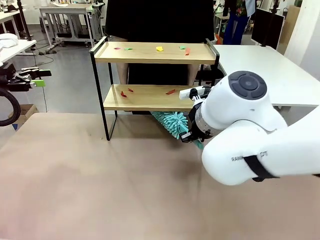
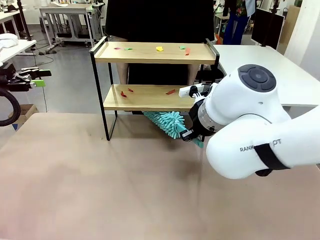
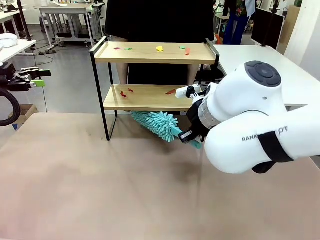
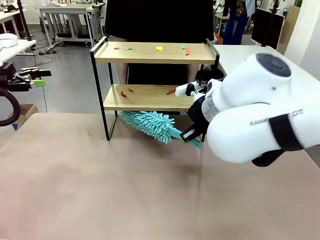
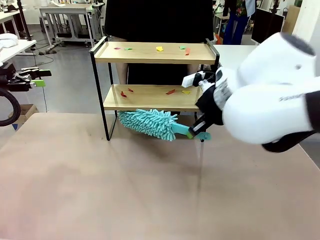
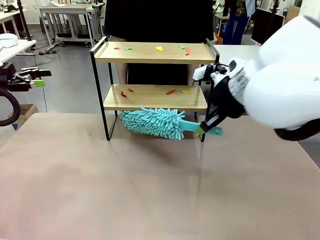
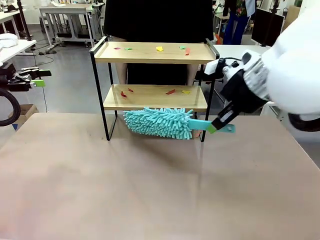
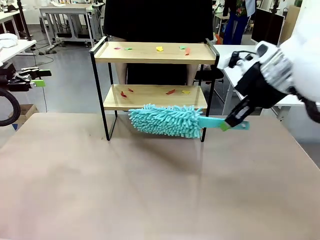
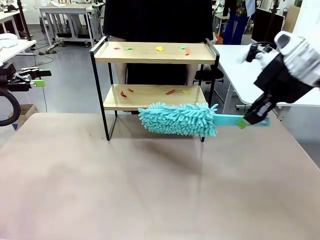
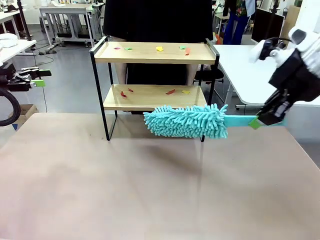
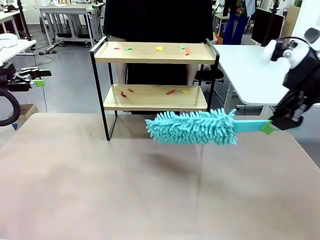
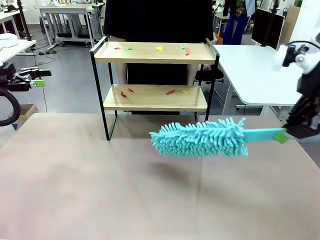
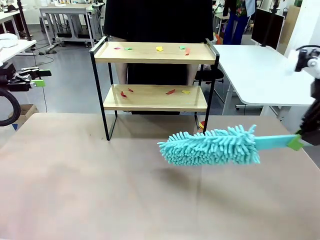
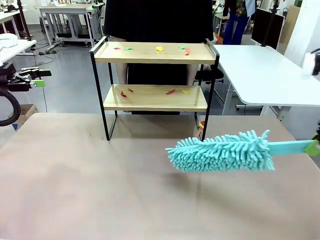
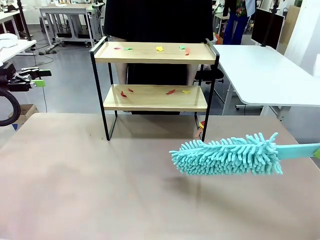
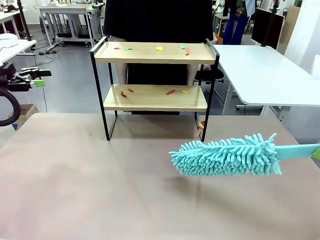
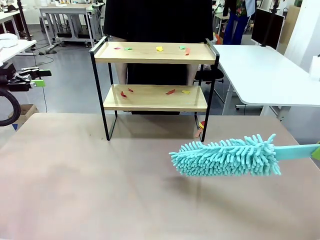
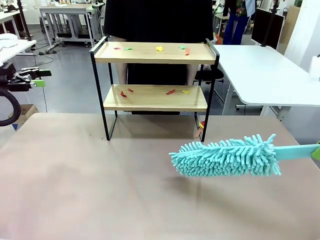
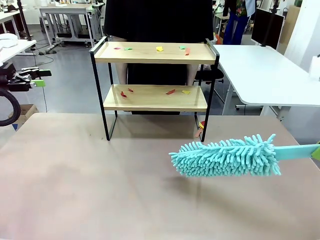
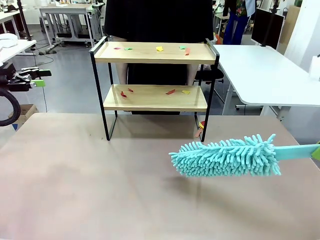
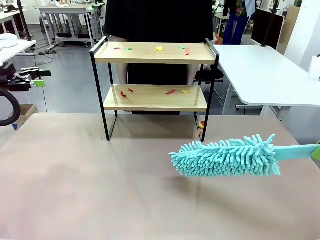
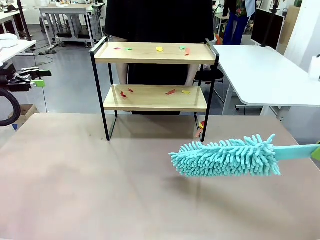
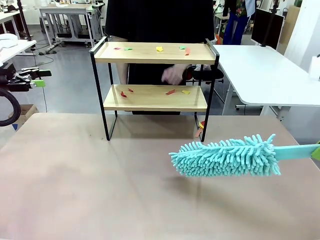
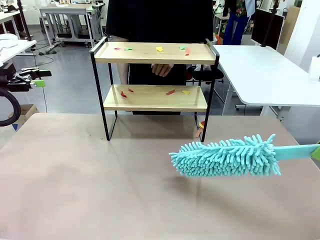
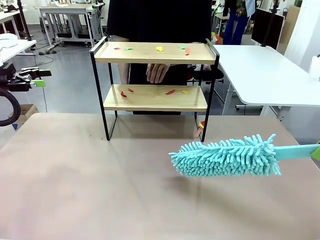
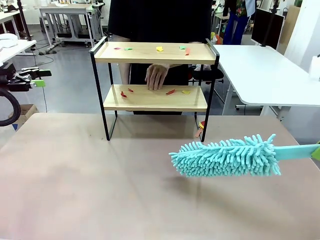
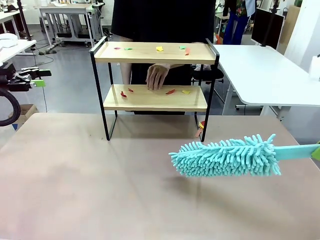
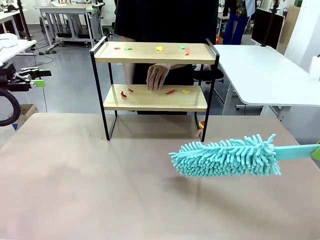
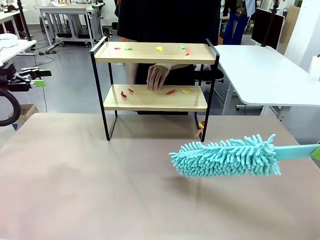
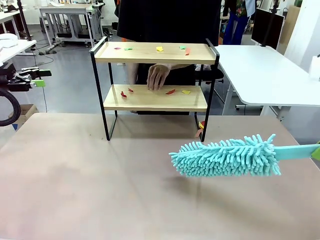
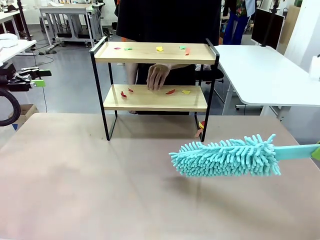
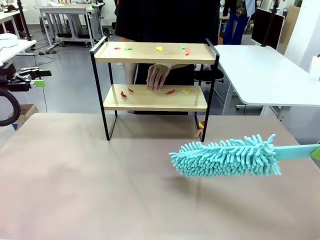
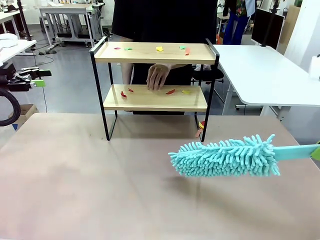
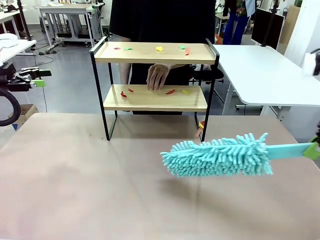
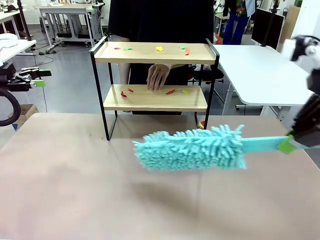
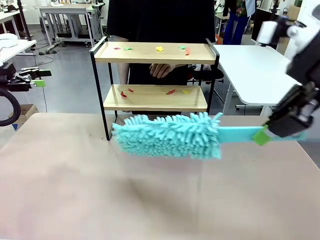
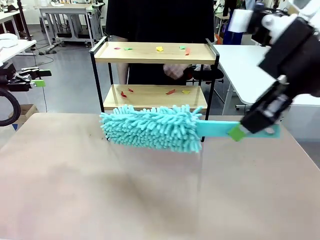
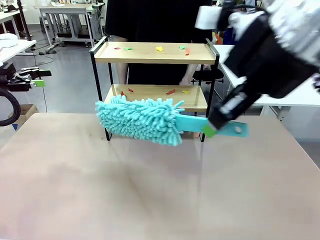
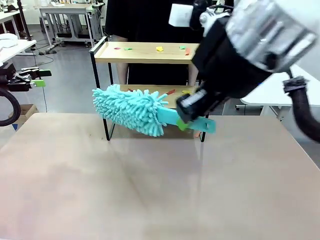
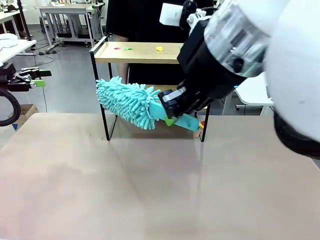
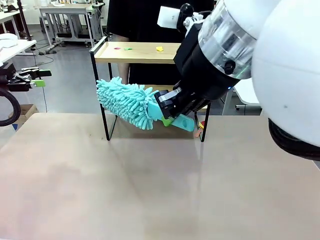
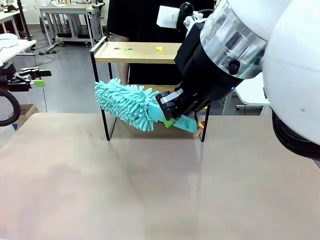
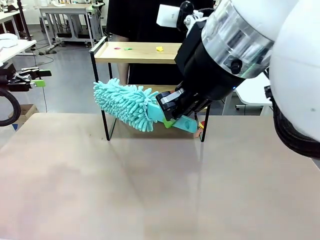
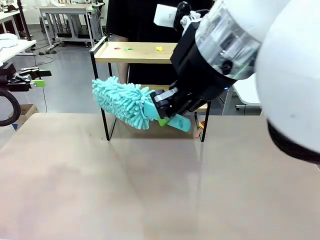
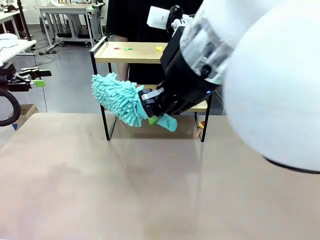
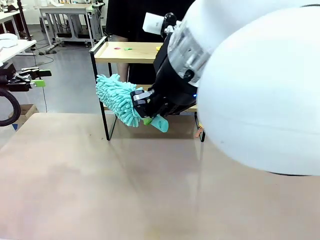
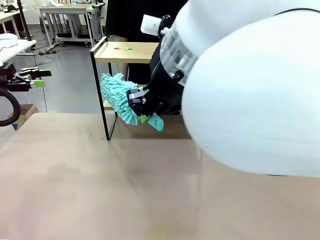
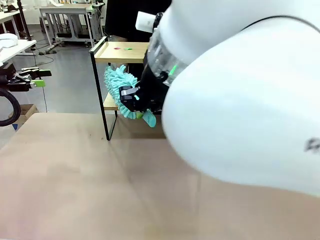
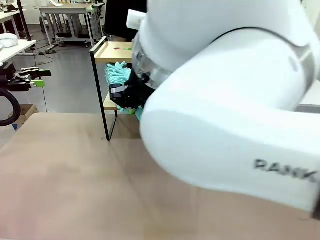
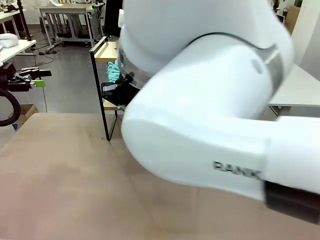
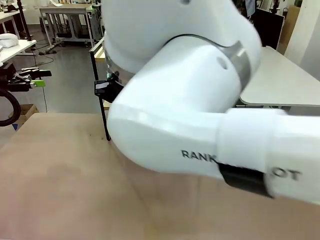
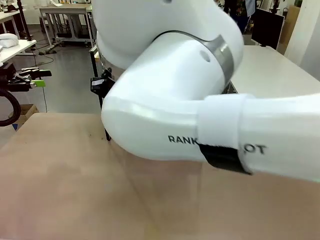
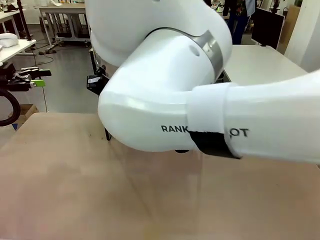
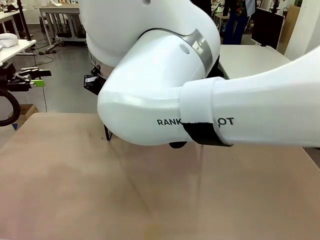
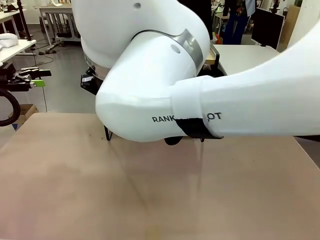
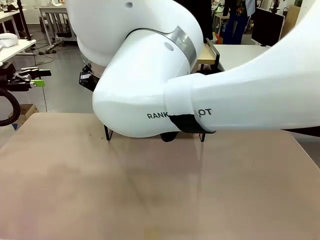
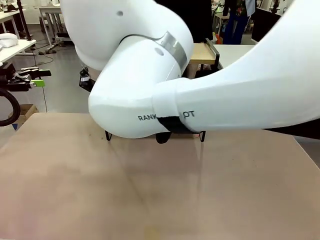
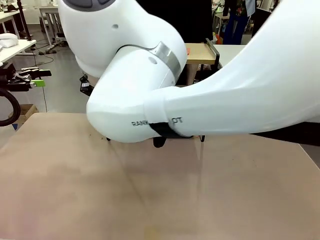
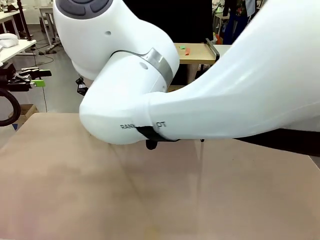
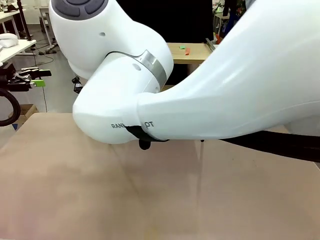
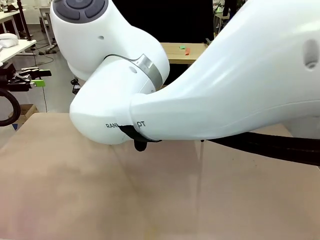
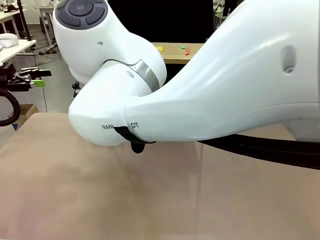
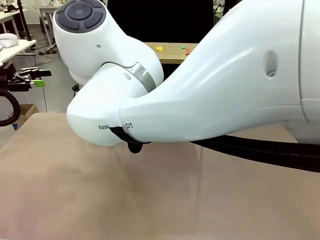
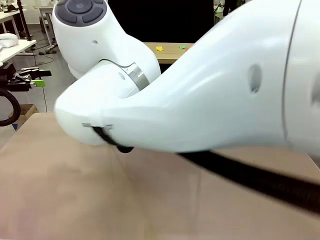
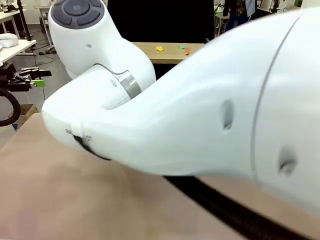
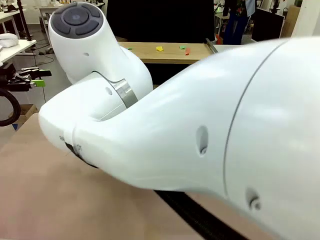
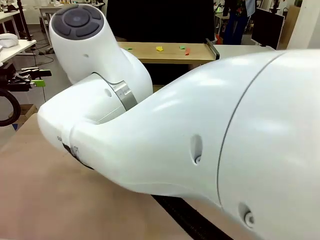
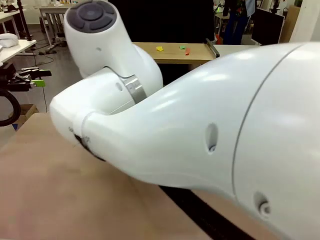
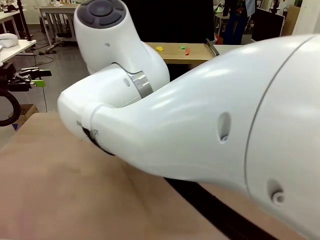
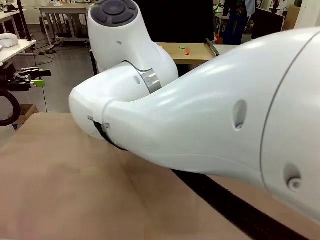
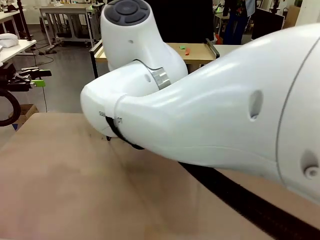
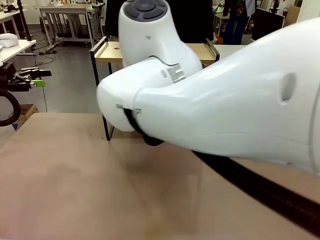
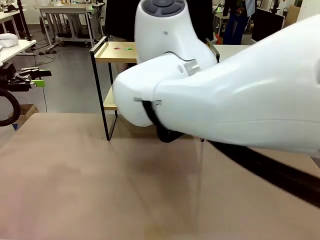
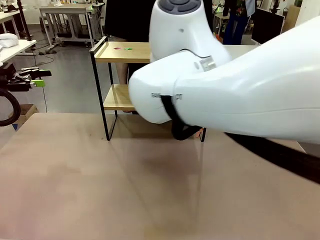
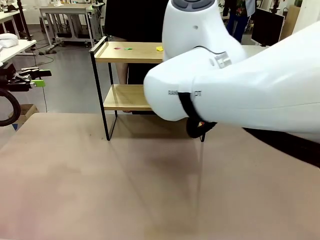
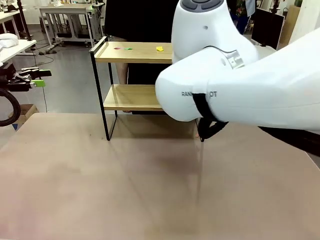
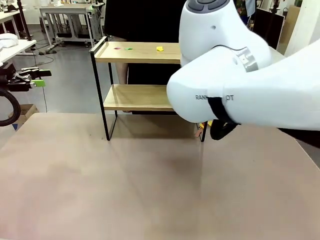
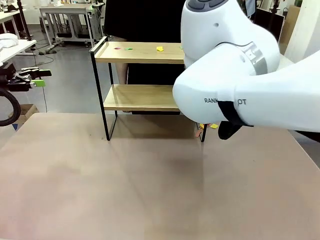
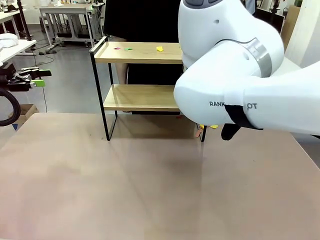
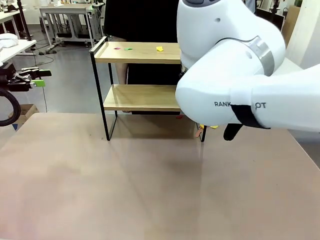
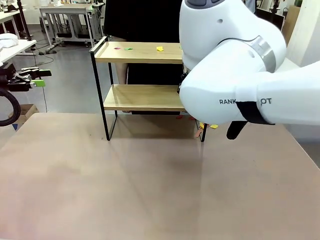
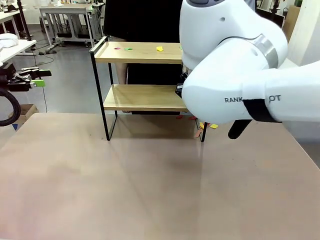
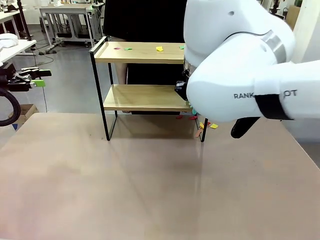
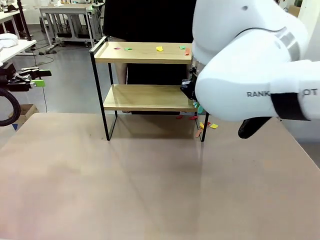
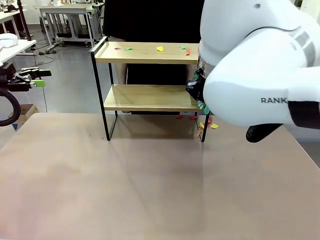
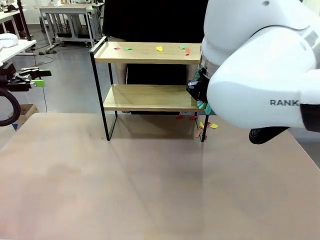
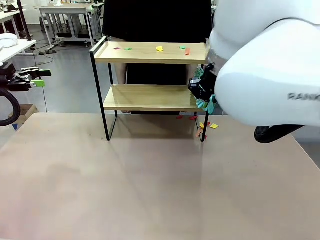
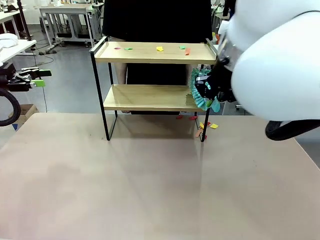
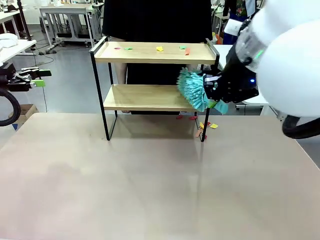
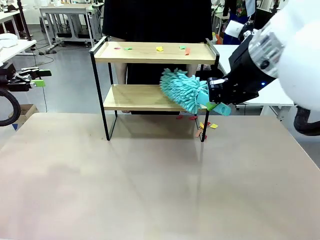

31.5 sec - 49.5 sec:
Task: Clean the shelf.
Robot: Clean the specific section of the Shelf indicated by the human with the Duster.
Person: Point a remaining section of the Shelf.

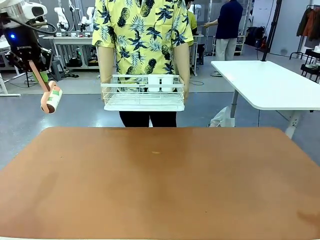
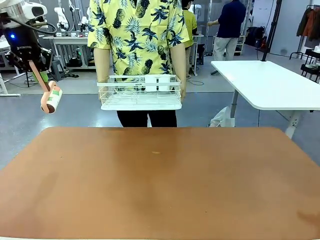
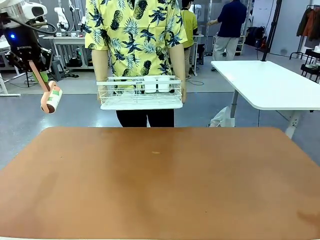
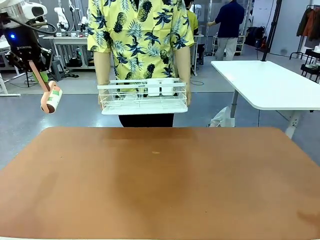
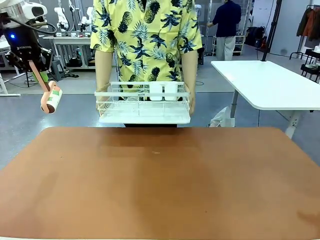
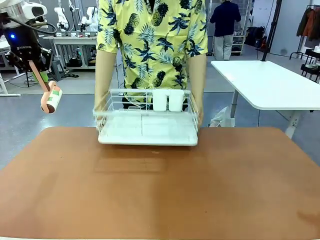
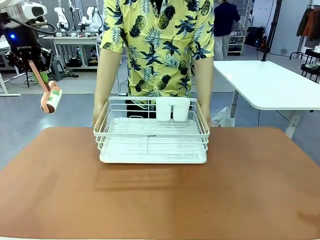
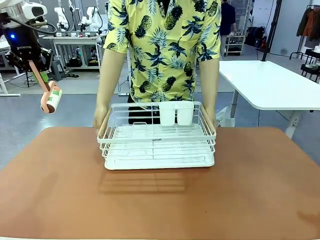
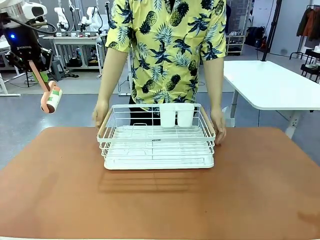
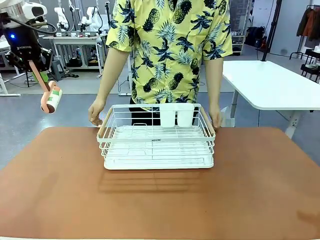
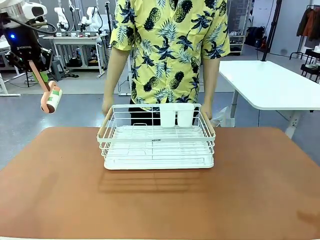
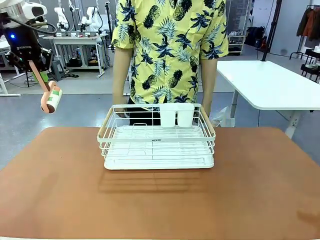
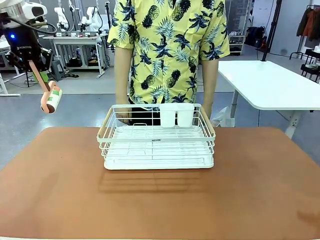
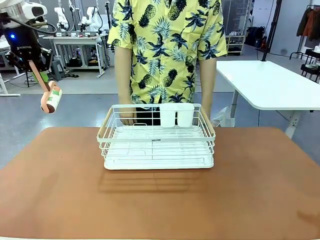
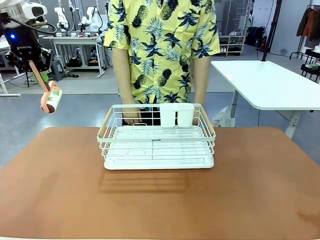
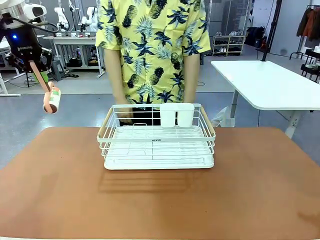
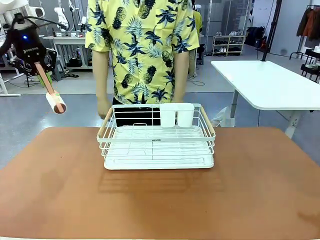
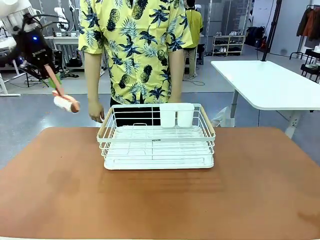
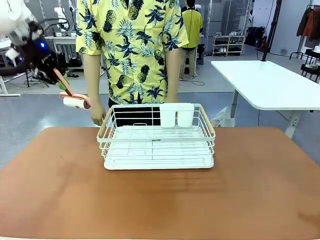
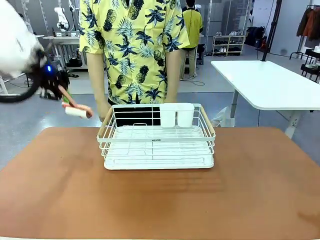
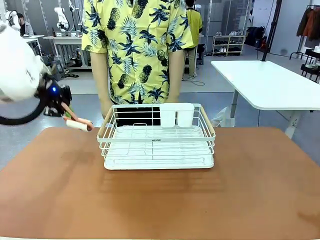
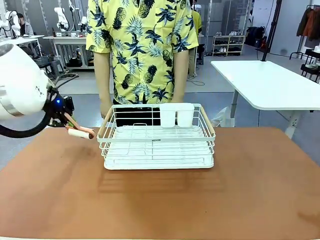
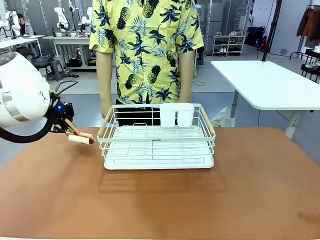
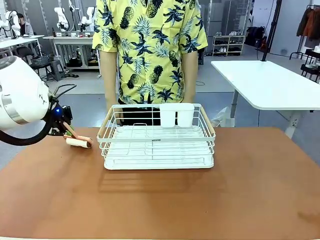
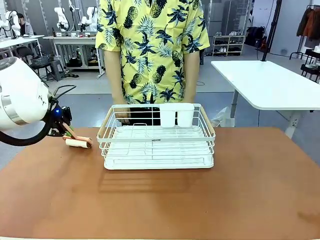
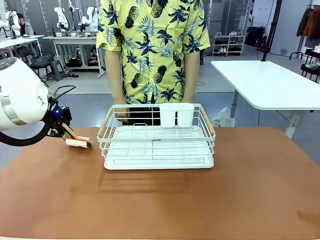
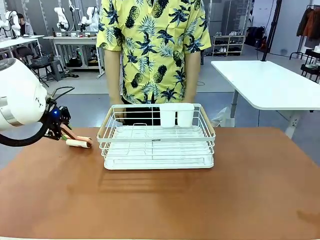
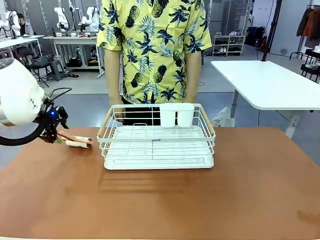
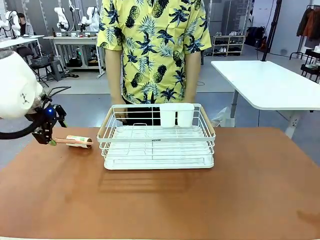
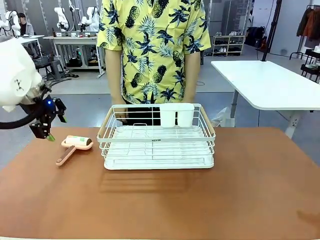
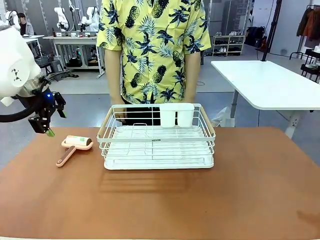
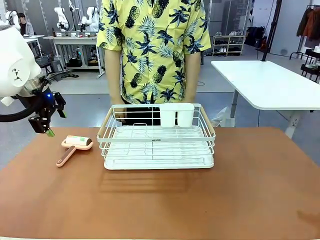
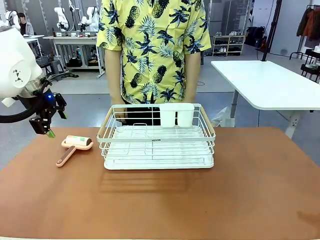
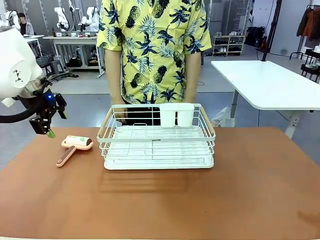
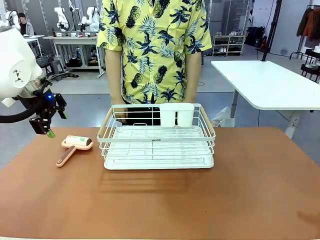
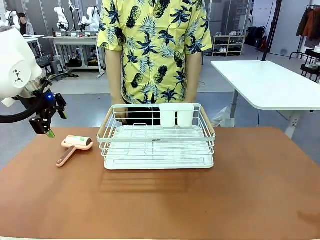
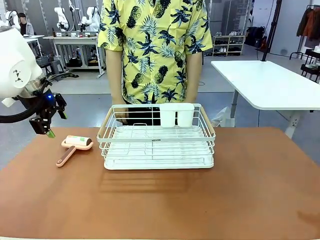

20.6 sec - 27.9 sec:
Task: Clean the table.
Robot: Place the Lint Roller down when the Dish drying rack is positioned in the middle of the table.
